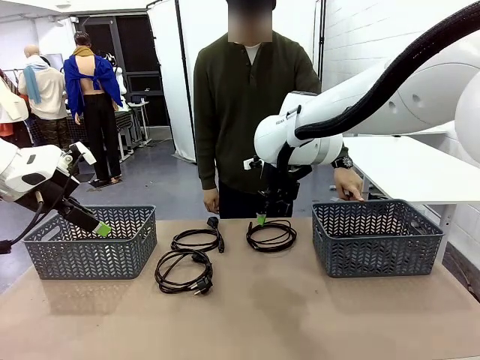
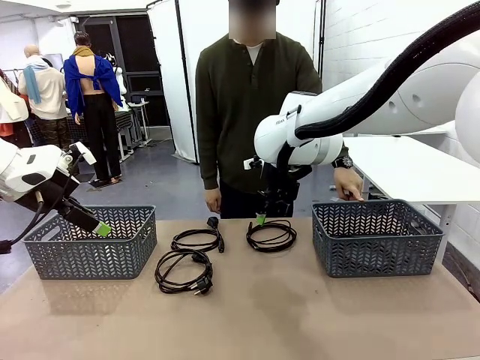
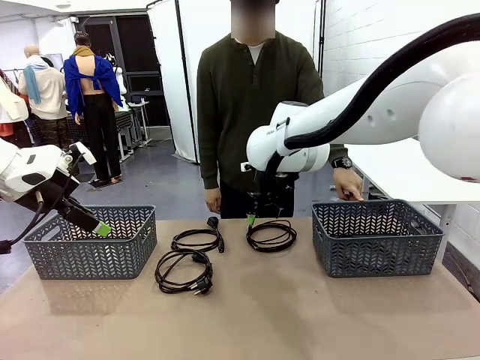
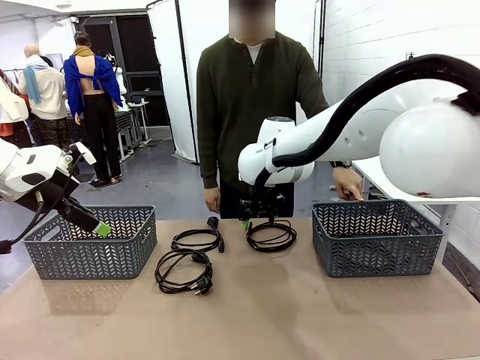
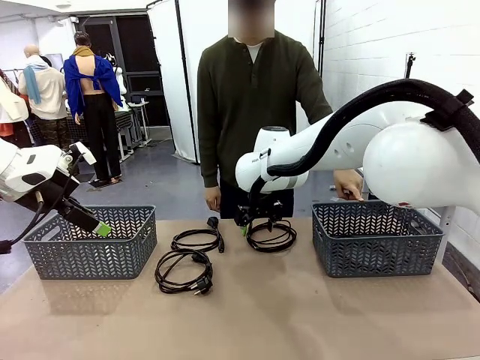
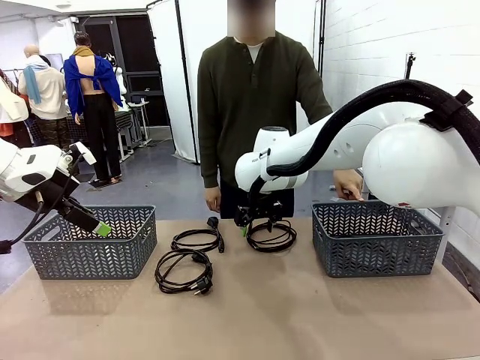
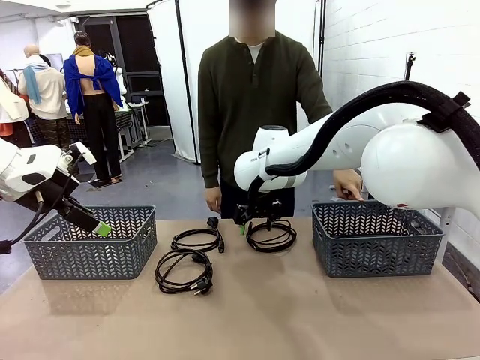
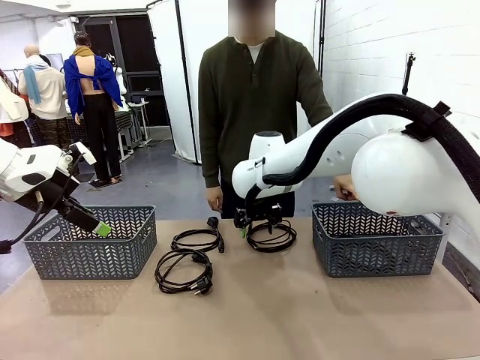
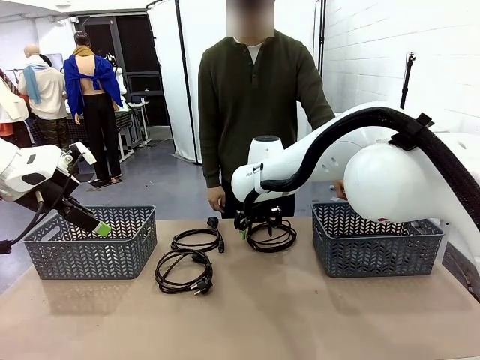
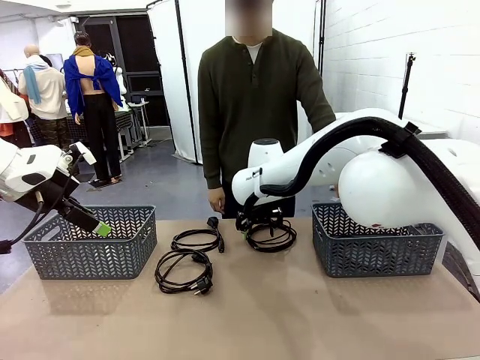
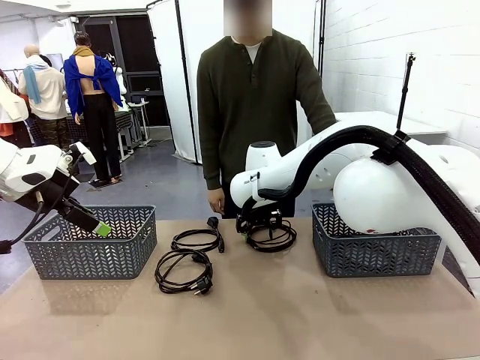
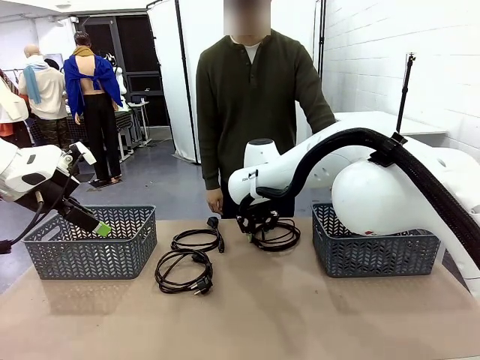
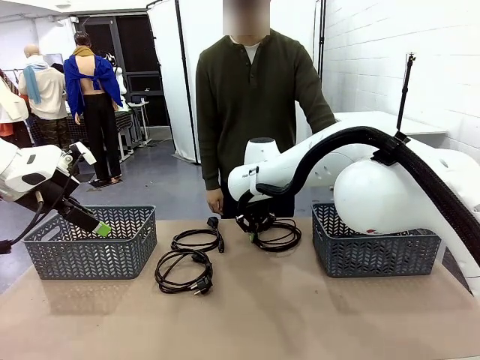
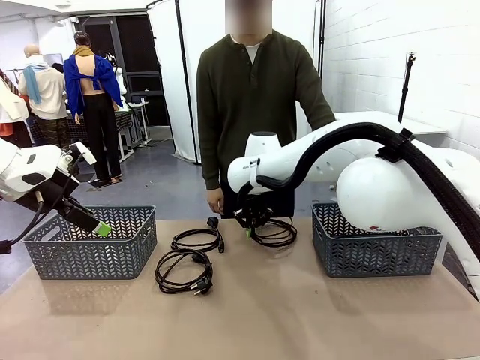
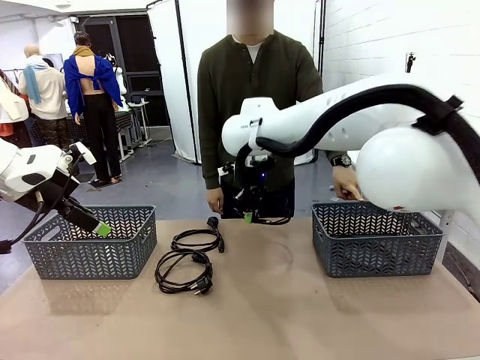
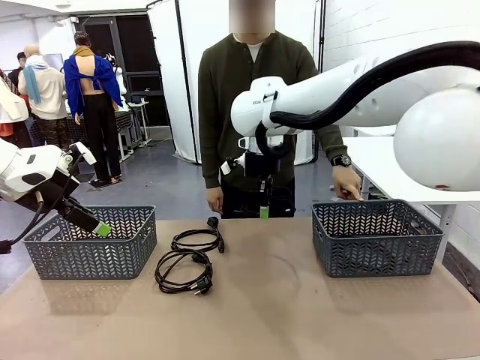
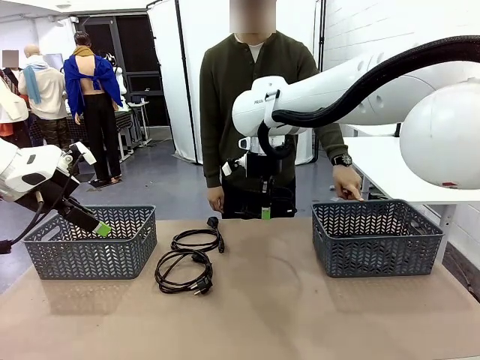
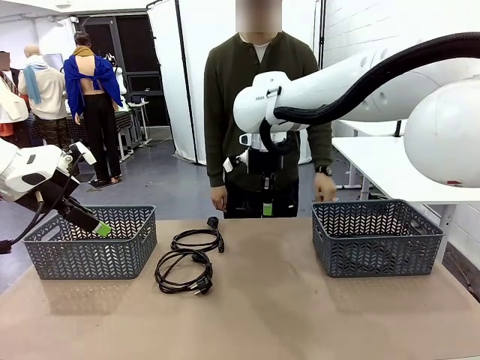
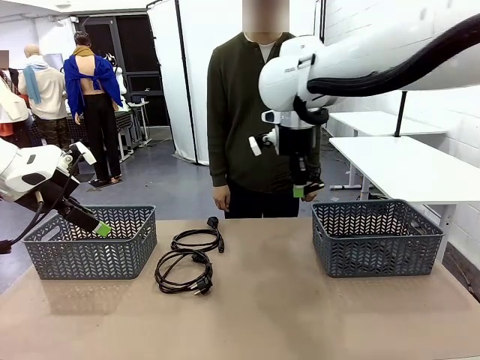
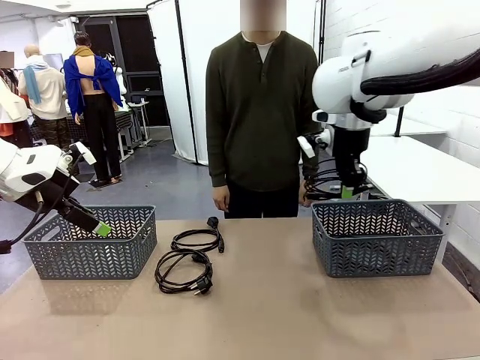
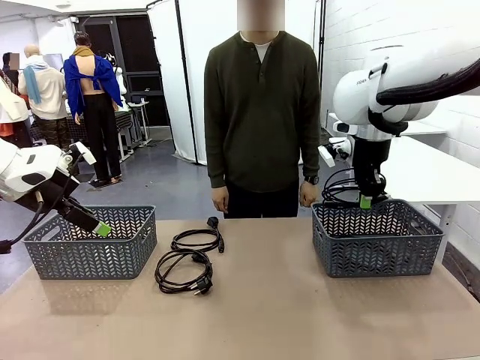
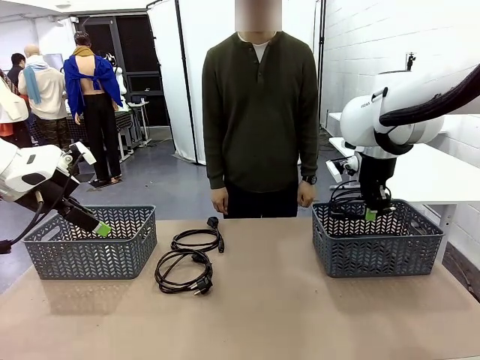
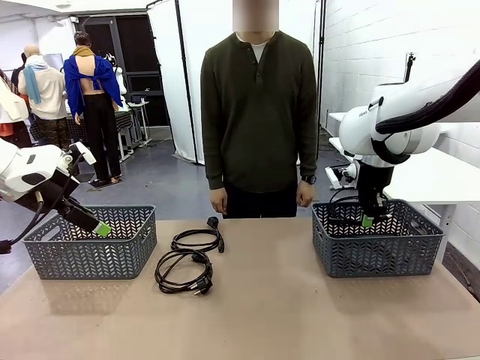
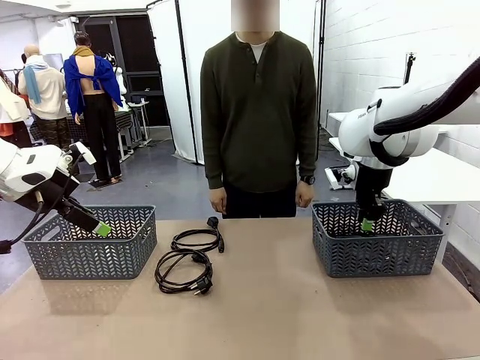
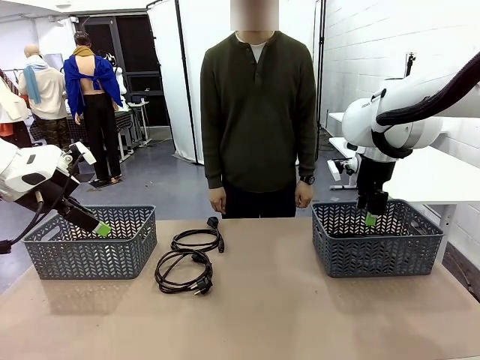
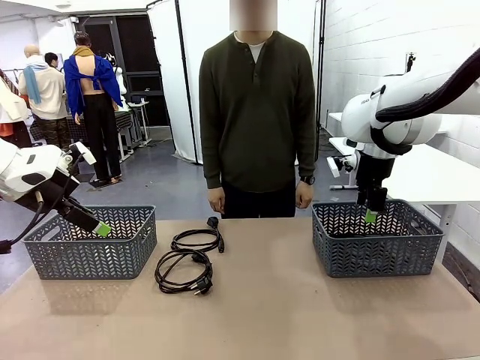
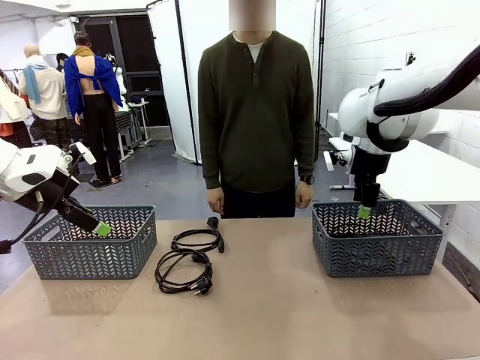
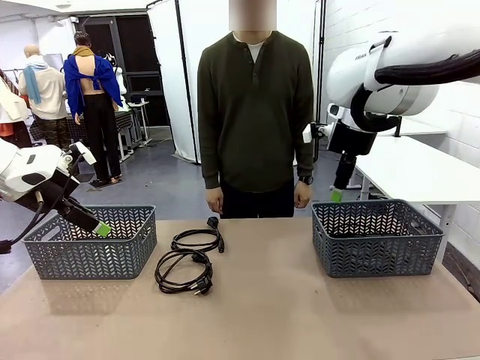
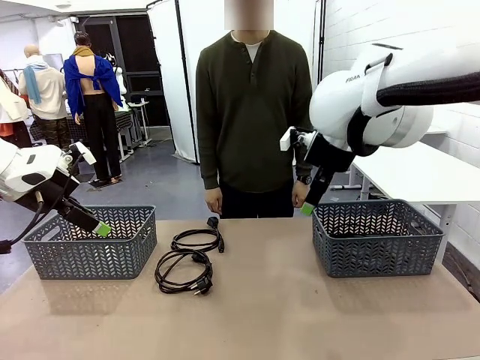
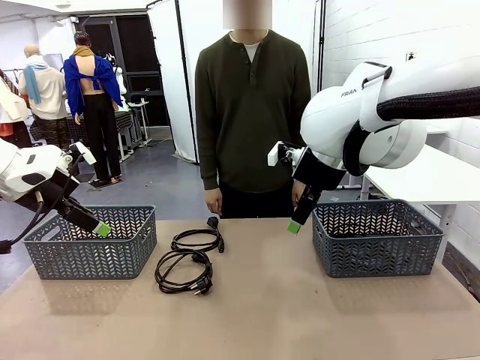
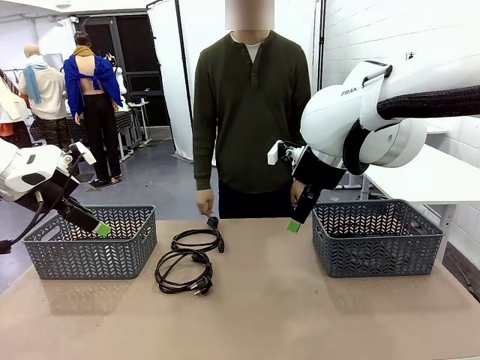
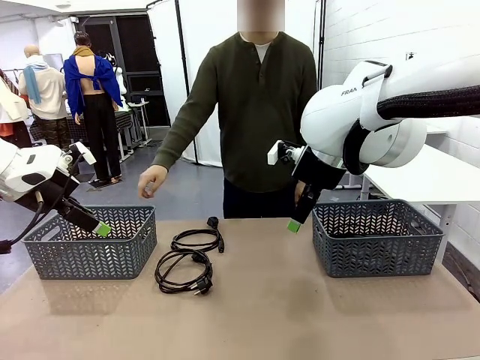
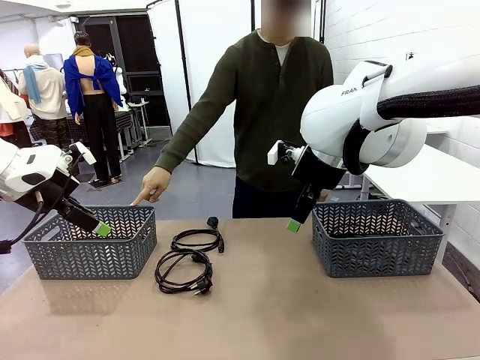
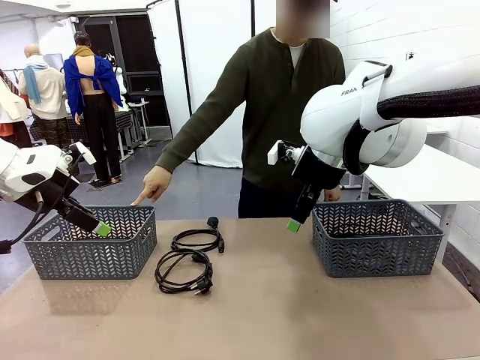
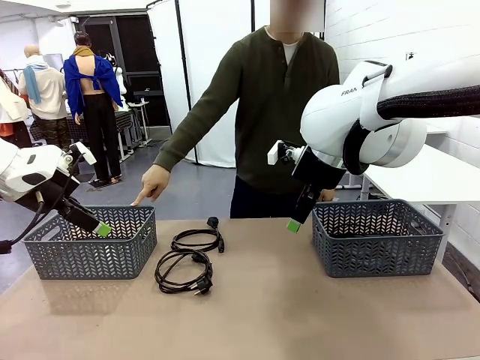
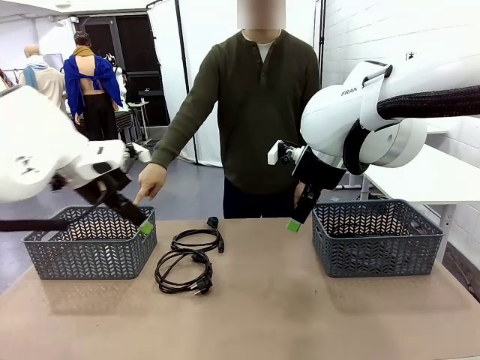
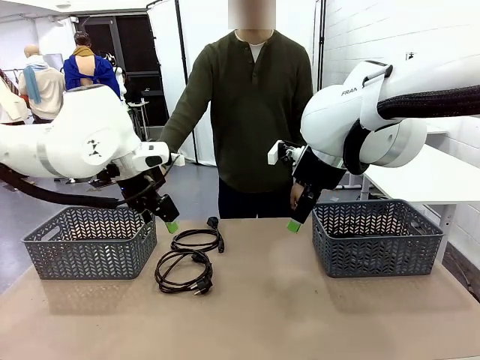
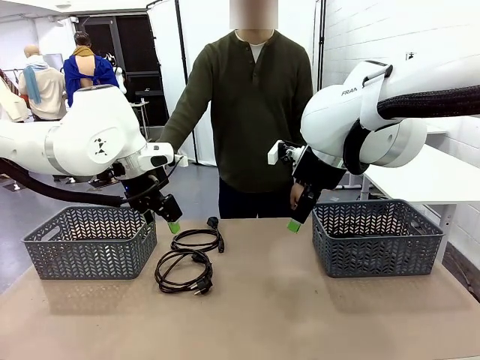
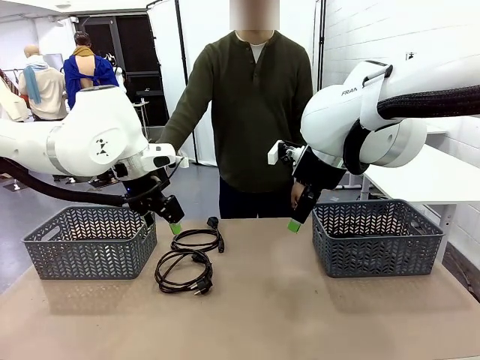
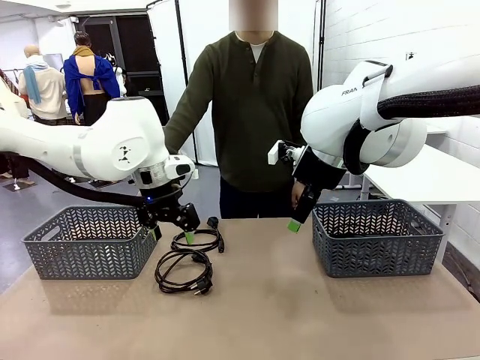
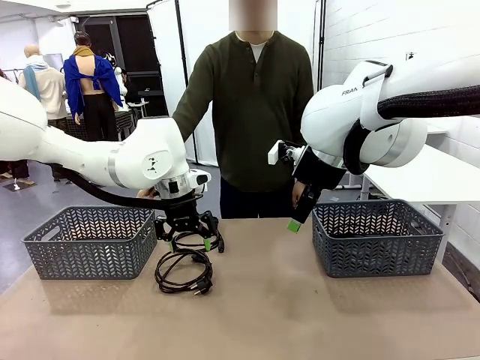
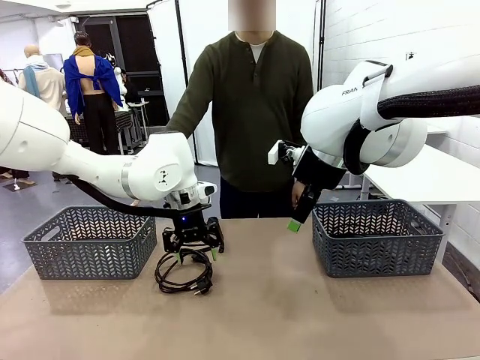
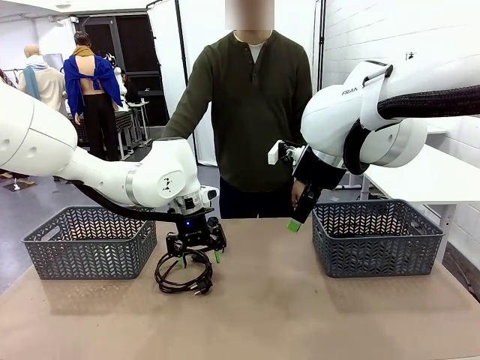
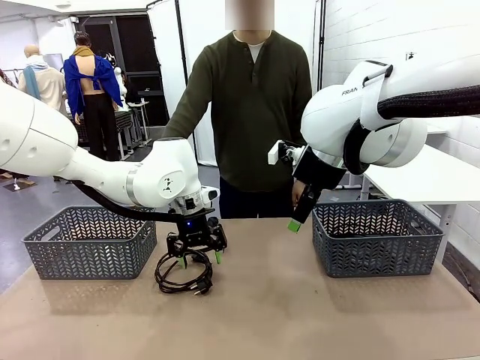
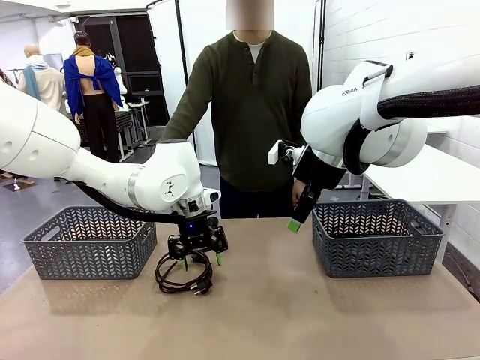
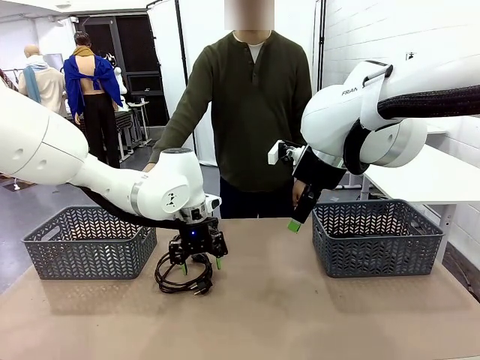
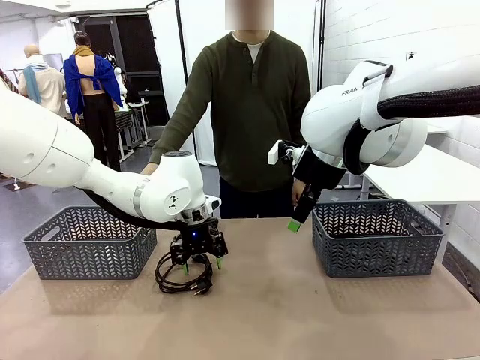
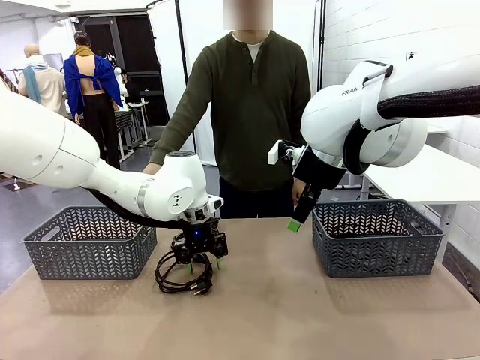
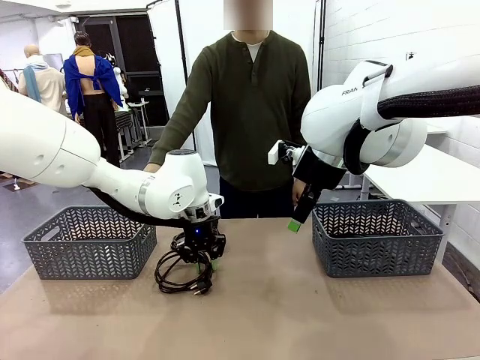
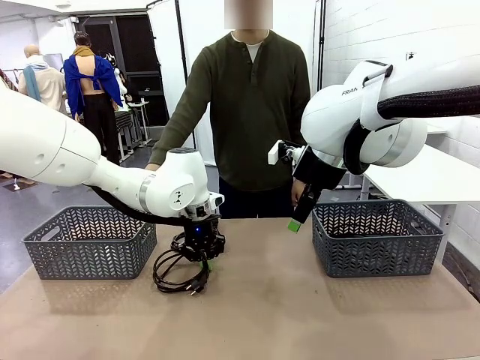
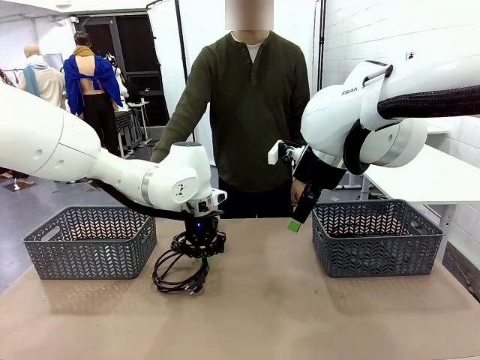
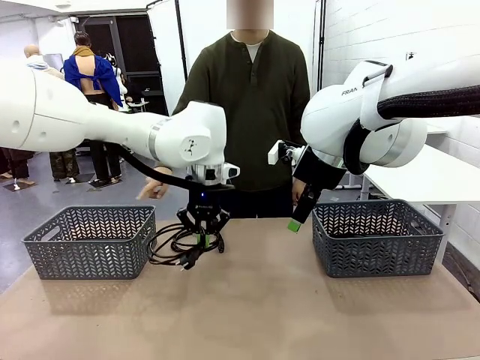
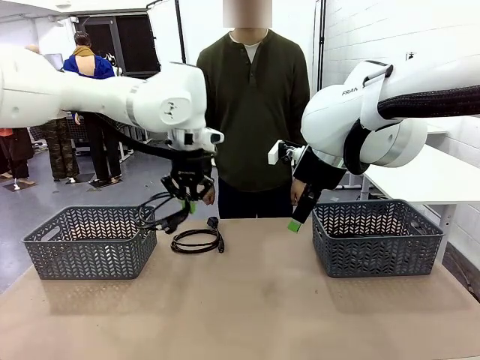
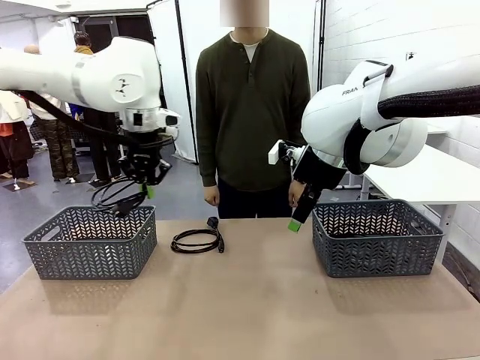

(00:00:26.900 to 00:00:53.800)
Task: Organize the cables according to human instructions.
Robot: Pick up a bundle of cables and place it in the basket indicated by the human.
